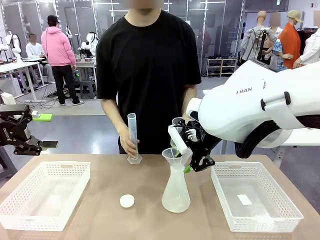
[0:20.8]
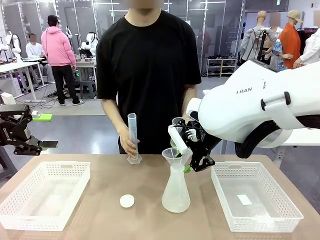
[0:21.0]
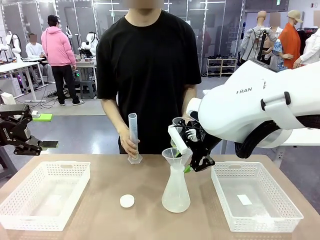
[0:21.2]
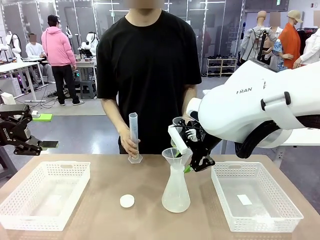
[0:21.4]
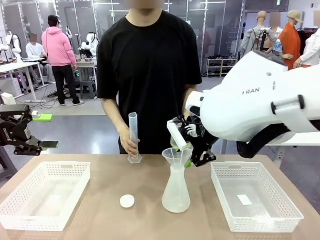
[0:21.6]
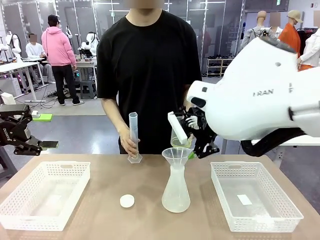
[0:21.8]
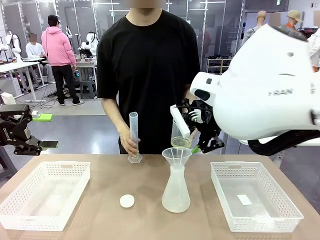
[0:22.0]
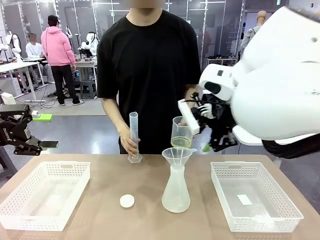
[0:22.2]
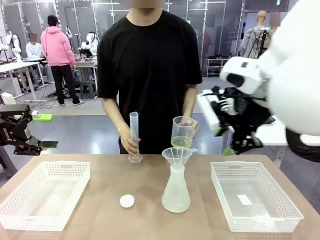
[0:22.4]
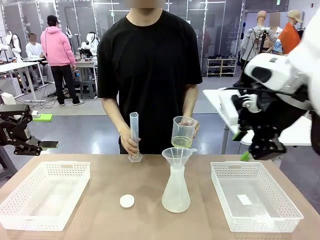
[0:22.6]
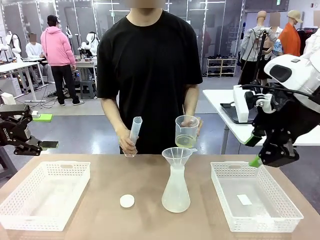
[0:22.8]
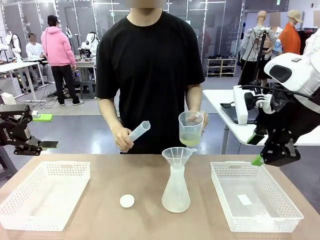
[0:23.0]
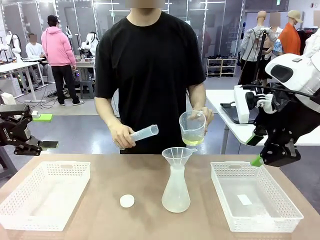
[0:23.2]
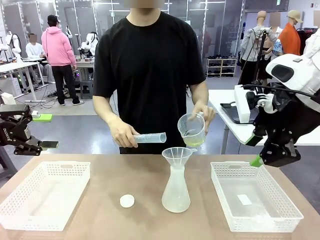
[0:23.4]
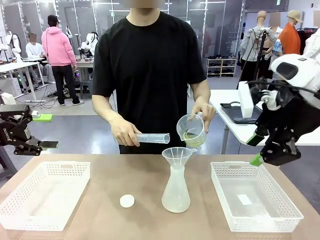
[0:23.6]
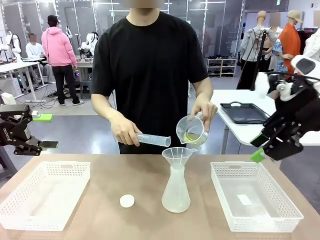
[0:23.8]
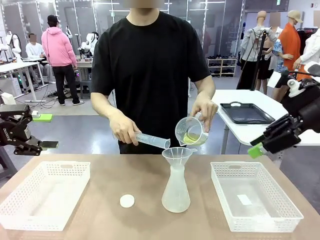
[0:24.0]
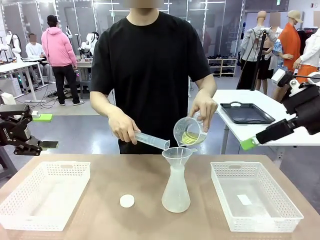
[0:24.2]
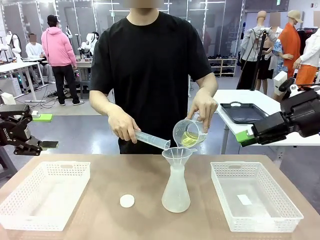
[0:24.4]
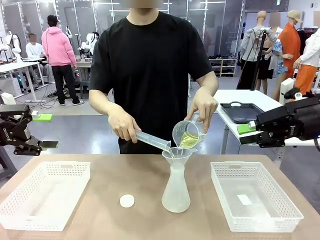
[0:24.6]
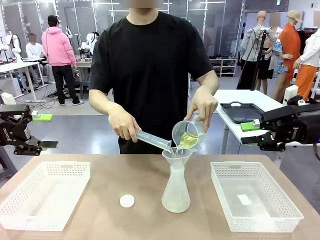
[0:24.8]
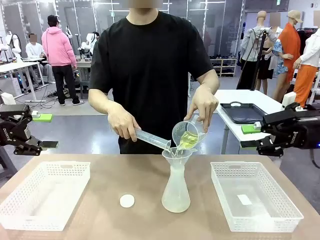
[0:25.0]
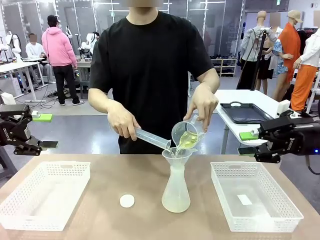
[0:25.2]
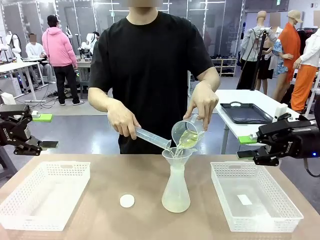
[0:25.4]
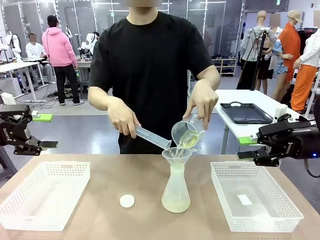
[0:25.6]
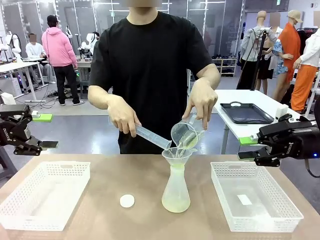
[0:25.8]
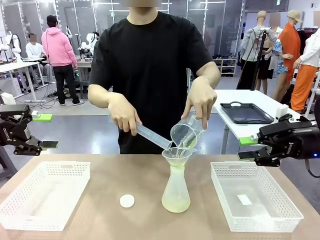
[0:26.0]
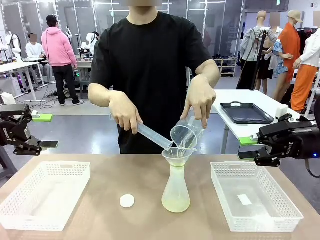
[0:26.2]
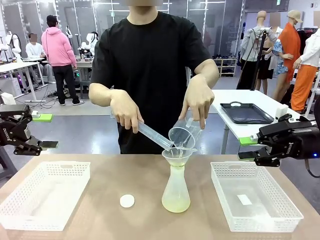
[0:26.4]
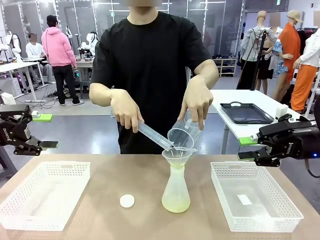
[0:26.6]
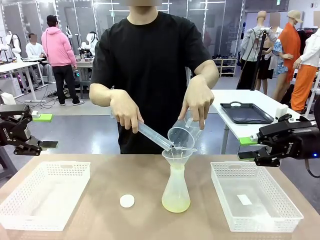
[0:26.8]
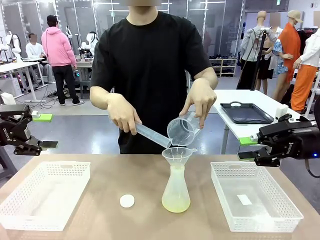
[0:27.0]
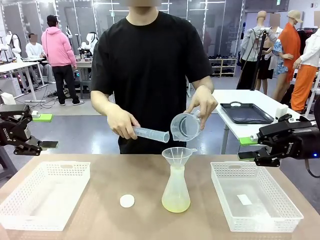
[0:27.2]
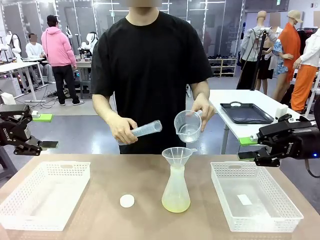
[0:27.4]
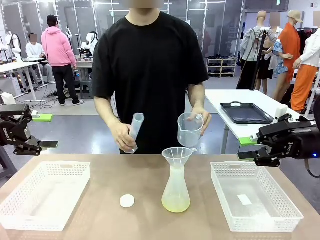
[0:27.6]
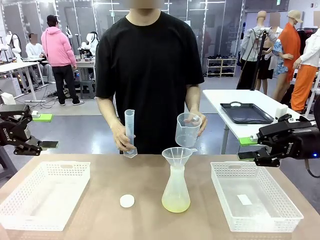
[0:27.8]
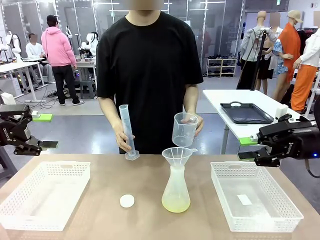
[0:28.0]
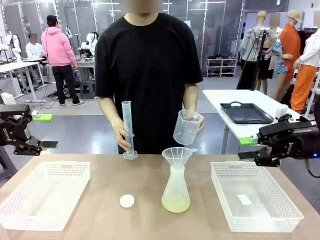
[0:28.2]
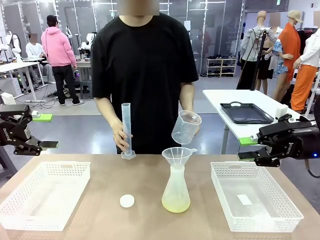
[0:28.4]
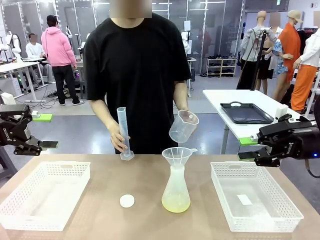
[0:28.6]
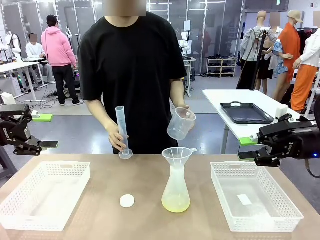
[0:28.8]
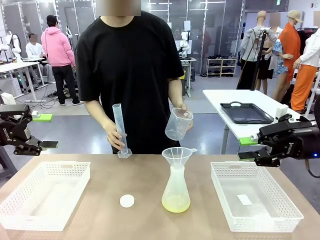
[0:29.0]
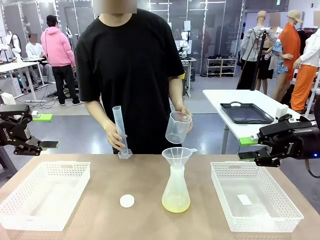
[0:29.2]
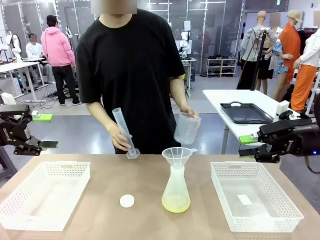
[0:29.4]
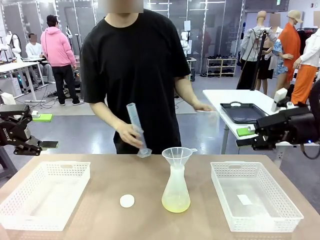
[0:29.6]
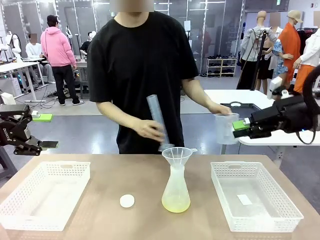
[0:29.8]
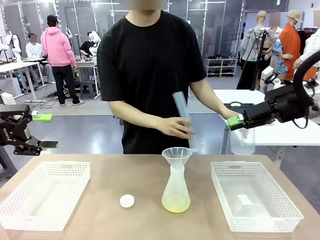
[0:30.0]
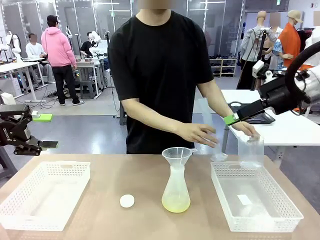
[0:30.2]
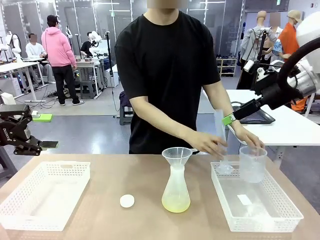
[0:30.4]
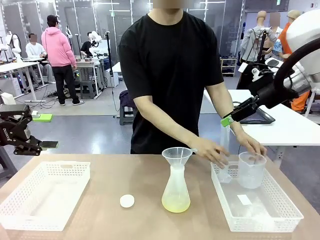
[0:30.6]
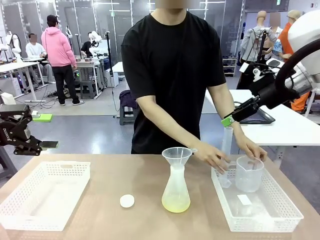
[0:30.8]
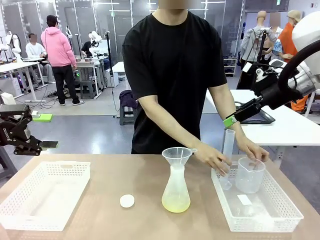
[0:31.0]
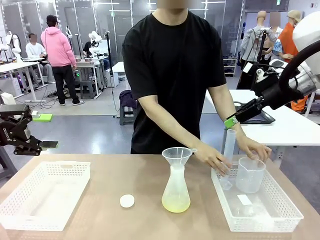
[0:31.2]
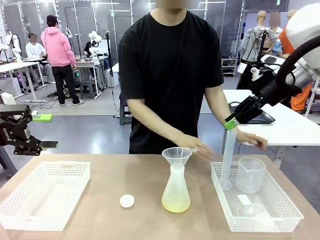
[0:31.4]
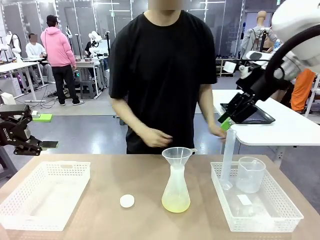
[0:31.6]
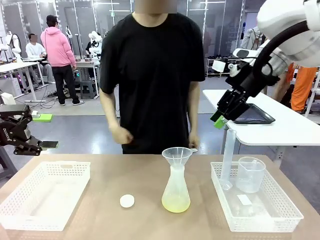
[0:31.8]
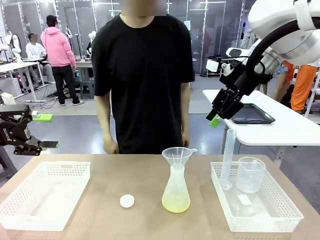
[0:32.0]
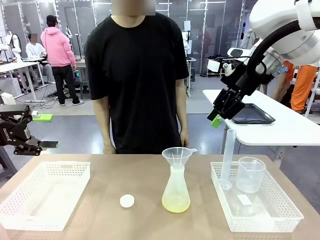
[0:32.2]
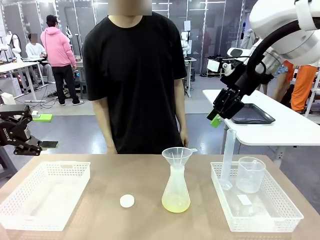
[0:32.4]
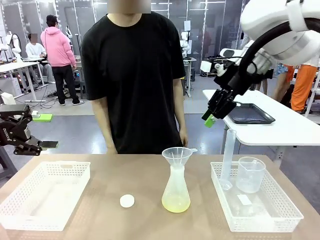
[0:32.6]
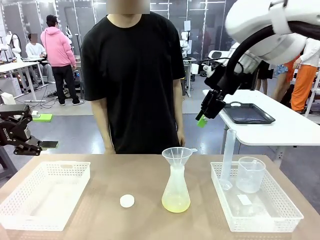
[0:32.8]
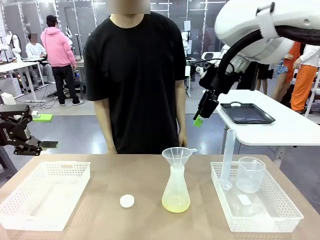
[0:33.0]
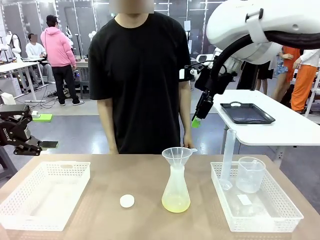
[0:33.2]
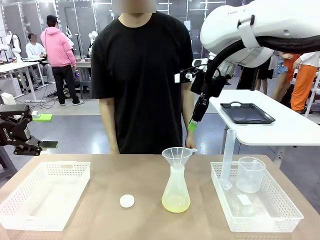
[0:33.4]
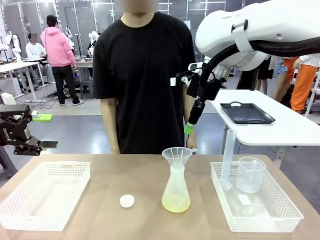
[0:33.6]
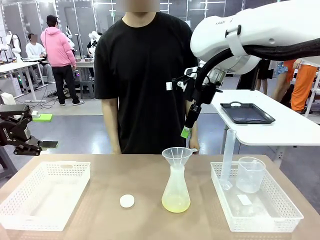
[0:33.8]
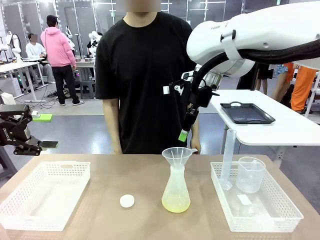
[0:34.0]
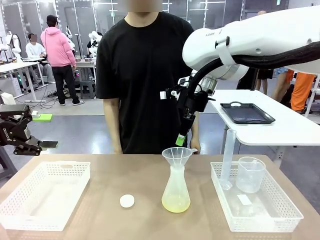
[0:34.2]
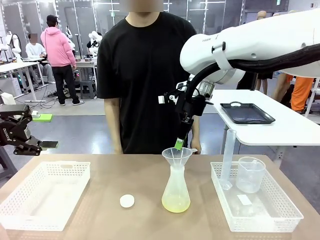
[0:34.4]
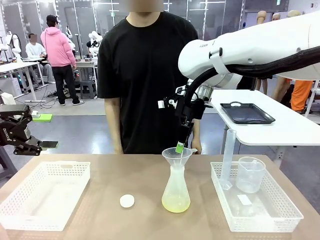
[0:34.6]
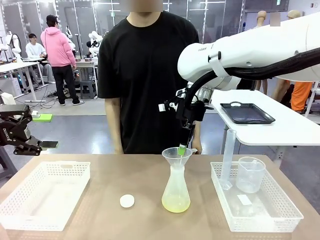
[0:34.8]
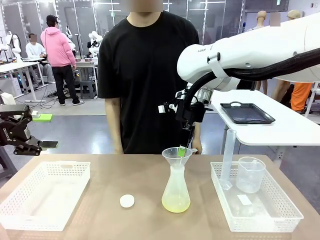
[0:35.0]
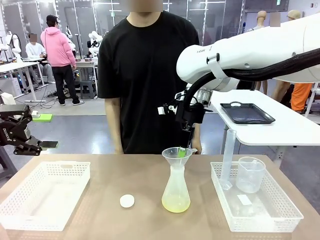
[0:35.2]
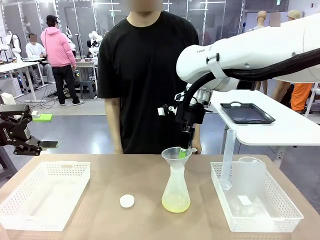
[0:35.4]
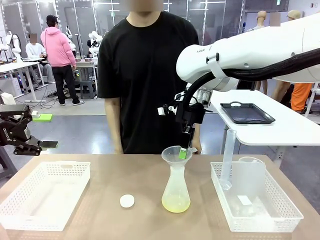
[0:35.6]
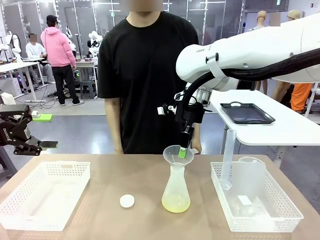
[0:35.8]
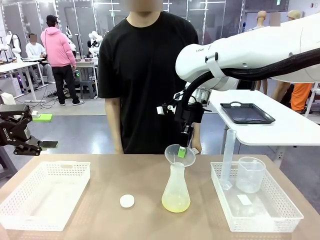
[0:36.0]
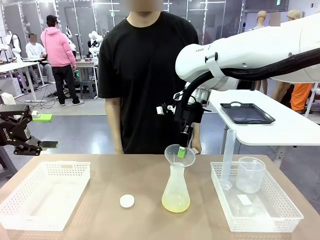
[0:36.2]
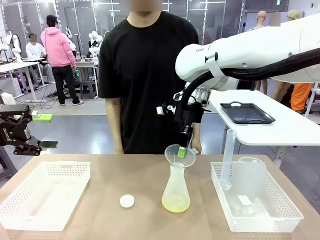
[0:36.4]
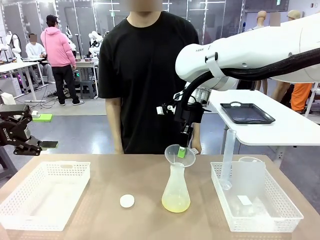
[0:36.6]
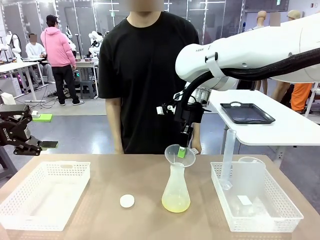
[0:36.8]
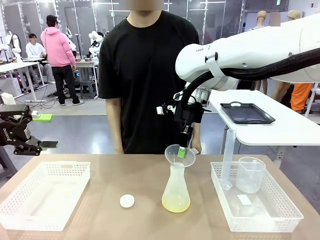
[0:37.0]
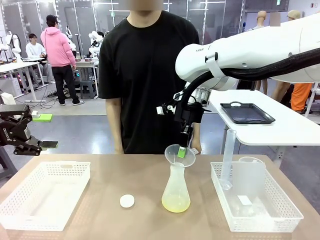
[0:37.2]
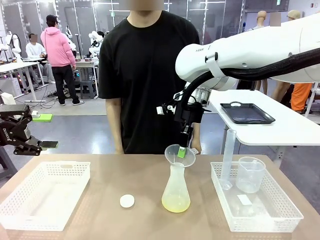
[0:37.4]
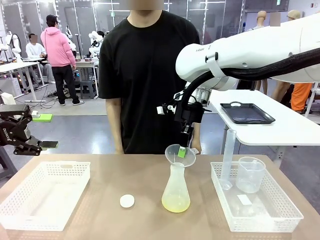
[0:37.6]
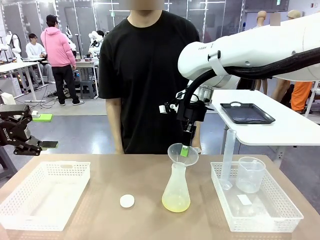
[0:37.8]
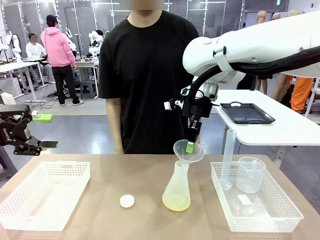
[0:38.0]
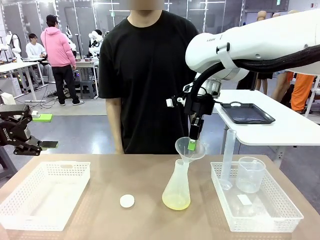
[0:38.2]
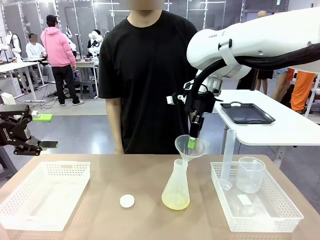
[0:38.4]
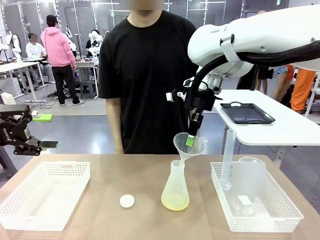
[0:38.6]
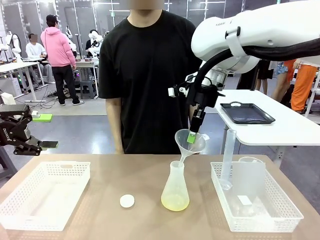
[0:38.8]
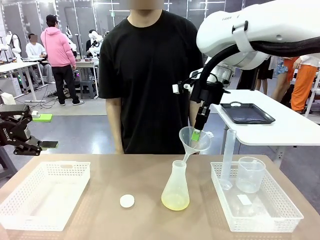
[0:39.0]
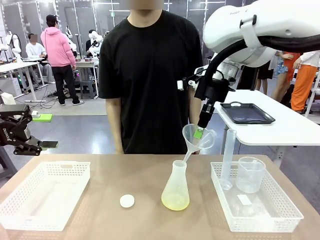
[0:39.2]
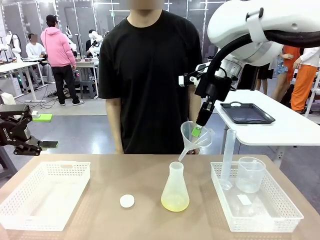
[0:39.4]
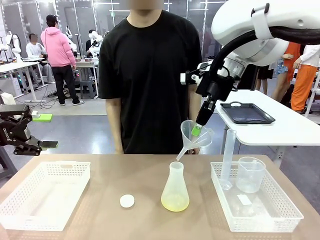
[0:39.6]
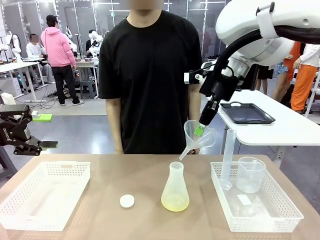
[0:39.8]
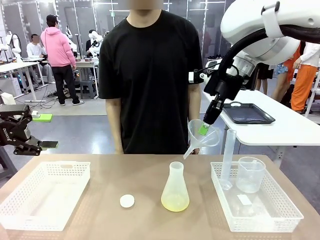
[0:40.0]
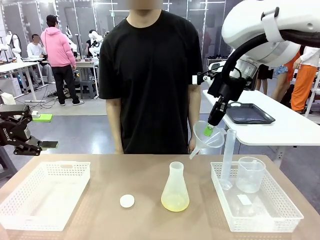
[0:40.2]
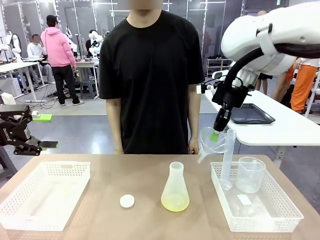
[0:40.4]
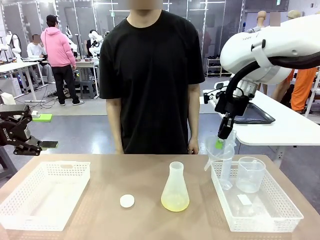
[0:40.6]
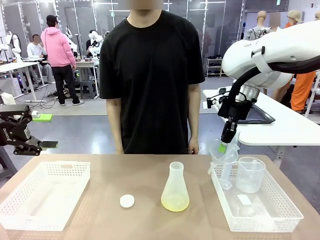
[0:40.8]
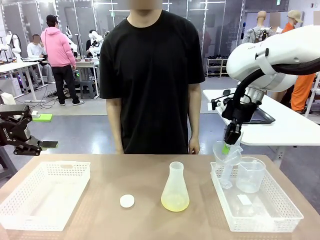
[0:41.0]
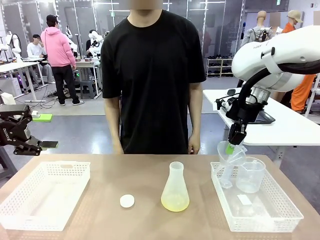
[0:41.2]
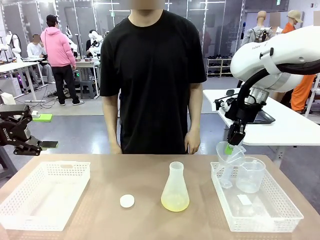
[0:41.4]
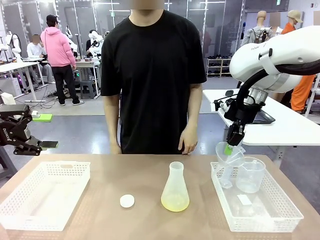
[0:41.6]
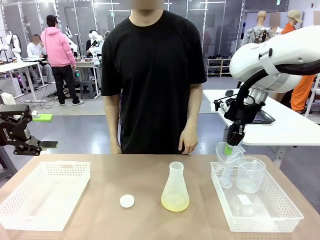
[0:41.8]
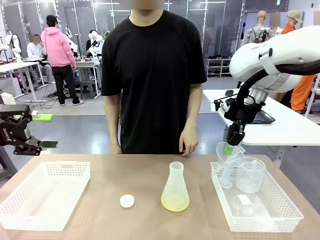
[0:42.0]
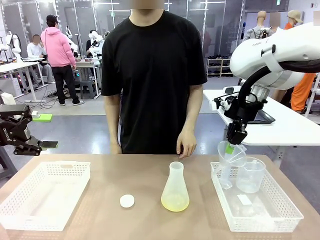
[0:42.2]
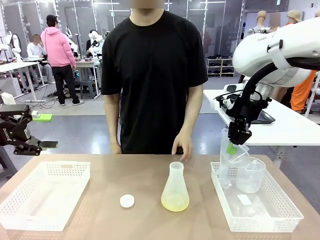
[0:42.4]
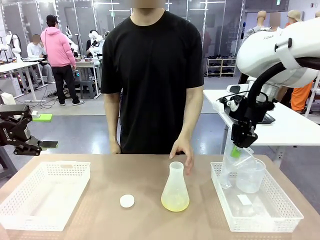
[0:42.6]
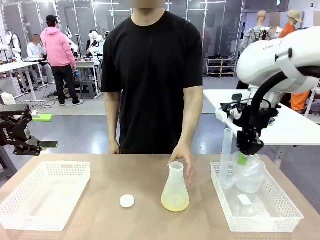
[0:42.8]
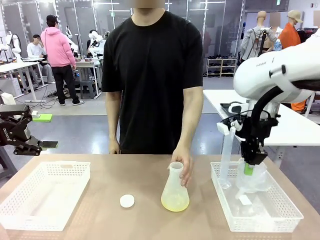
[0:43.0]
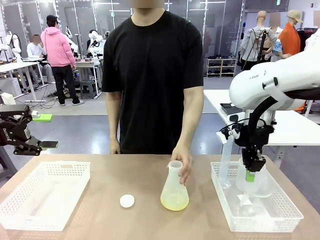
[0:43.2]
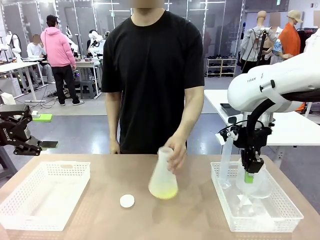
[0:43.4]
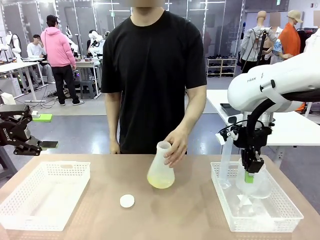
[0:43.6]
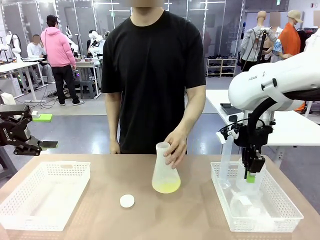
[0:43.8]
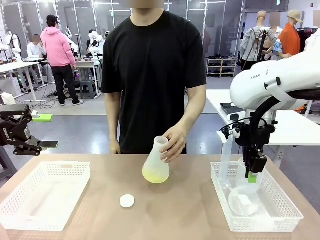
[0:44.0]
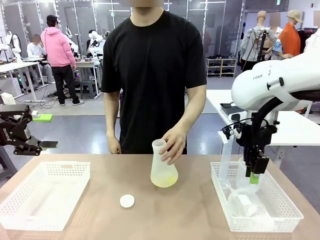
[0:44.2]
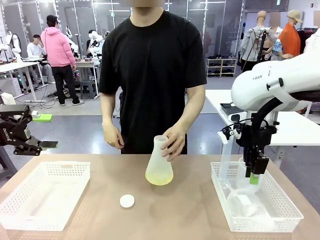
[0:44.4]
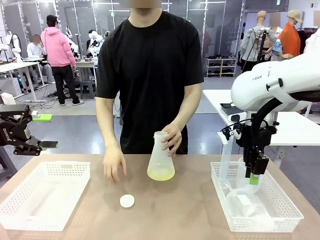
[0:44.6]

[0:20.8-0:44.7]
Task: Prepare the solutions needed for the experiment.
Robot: Once the solution is in the Big flask , pick up the Plastic Funnel and place it back into the right Organizing basket.
Person: Pour the solution from the beaker and the cylinder into the flask. Place the beaker and the cylinder into the organizing basket on the left side. Pick up the flask, gently shake it 2–3 times, place it in the middle of the robot table, and close the lid.
